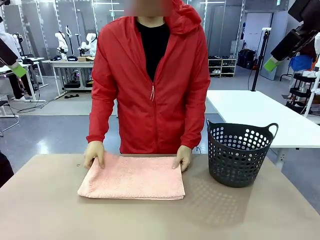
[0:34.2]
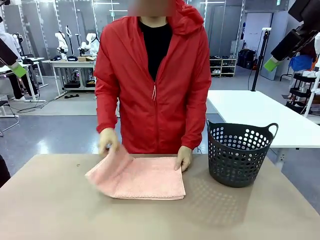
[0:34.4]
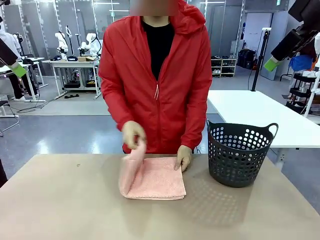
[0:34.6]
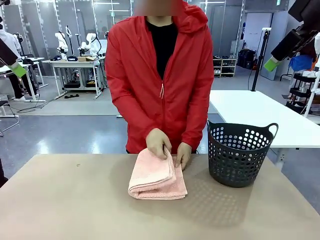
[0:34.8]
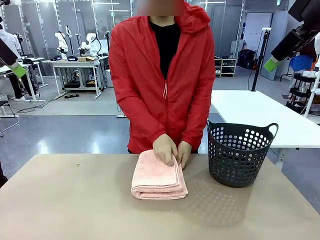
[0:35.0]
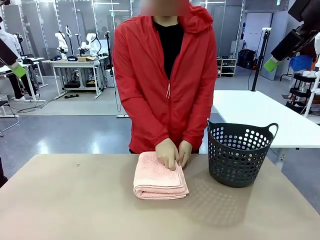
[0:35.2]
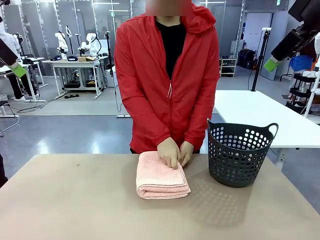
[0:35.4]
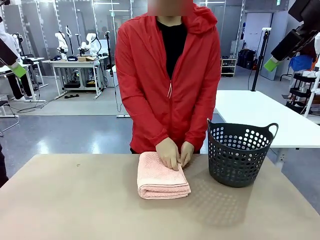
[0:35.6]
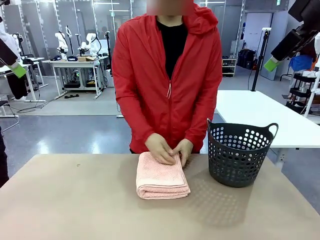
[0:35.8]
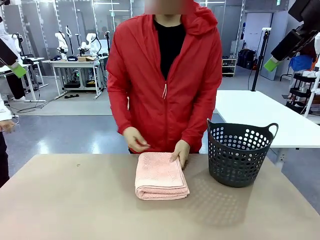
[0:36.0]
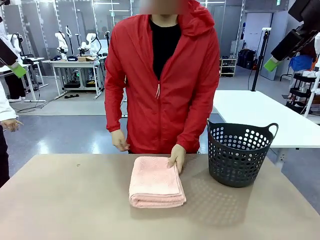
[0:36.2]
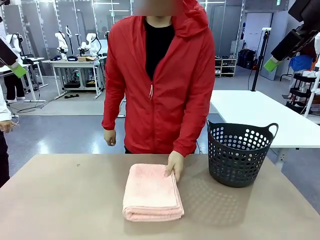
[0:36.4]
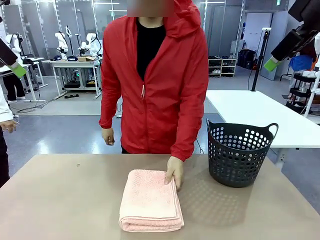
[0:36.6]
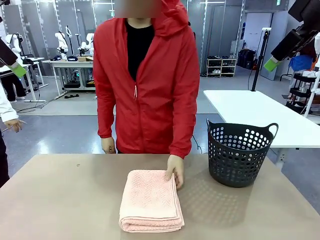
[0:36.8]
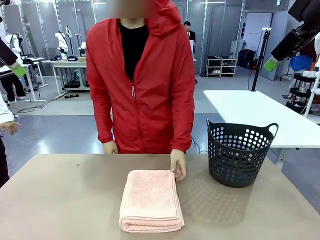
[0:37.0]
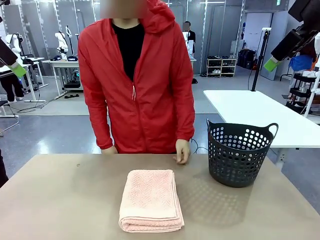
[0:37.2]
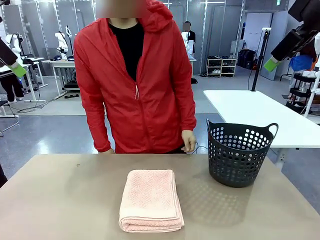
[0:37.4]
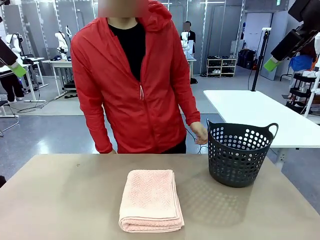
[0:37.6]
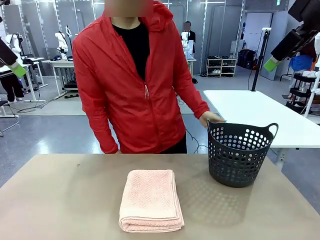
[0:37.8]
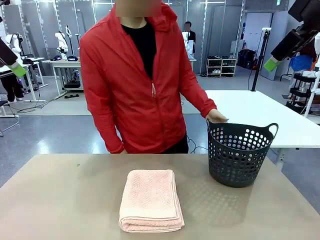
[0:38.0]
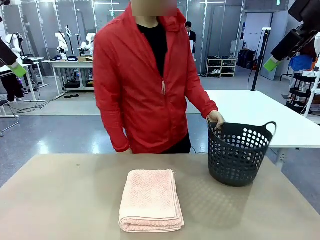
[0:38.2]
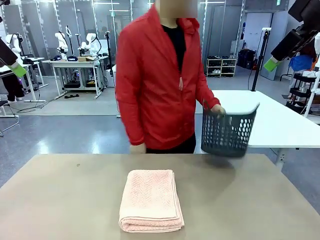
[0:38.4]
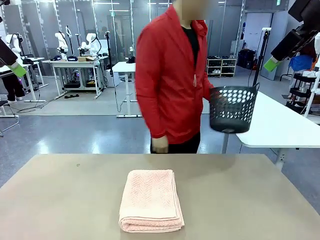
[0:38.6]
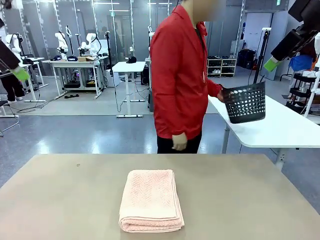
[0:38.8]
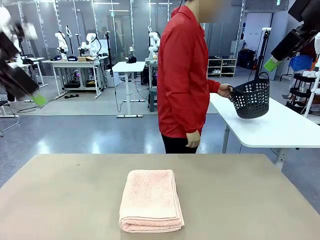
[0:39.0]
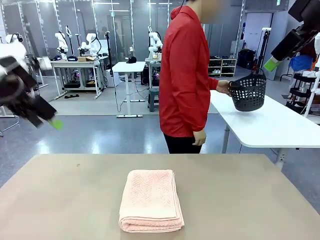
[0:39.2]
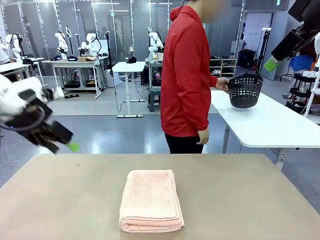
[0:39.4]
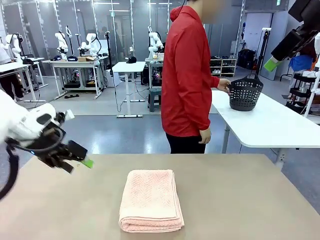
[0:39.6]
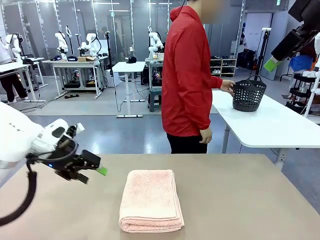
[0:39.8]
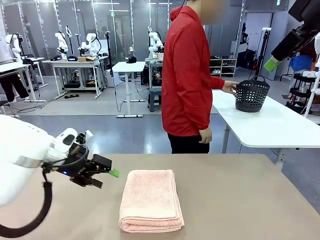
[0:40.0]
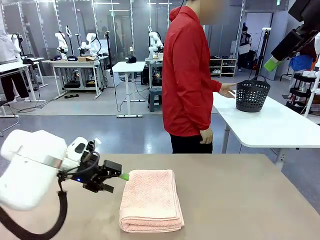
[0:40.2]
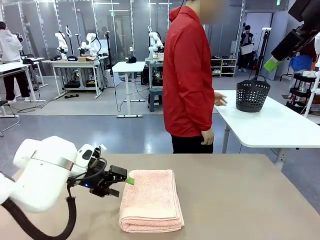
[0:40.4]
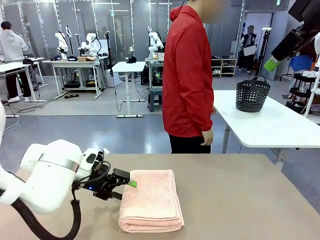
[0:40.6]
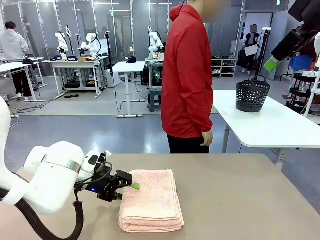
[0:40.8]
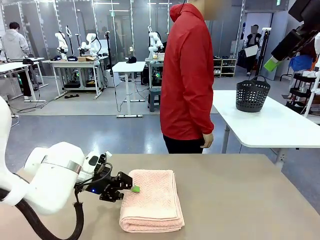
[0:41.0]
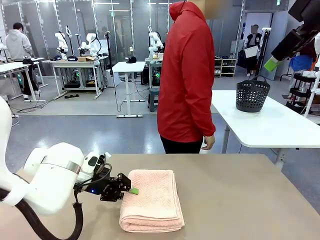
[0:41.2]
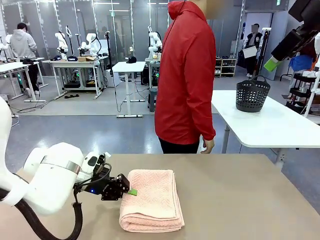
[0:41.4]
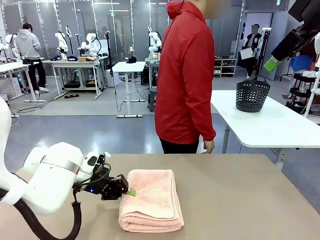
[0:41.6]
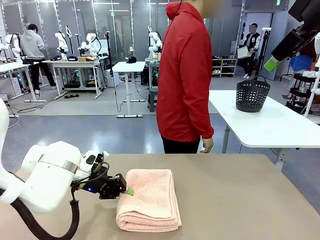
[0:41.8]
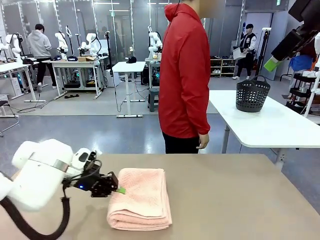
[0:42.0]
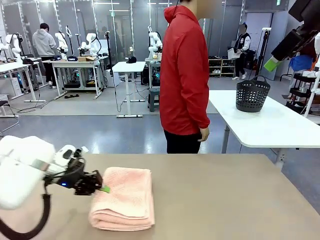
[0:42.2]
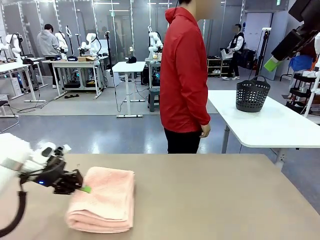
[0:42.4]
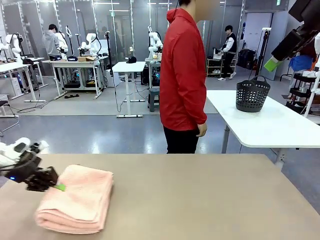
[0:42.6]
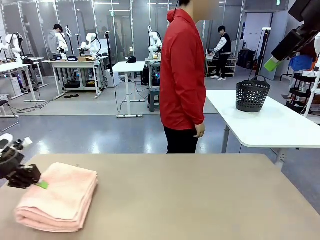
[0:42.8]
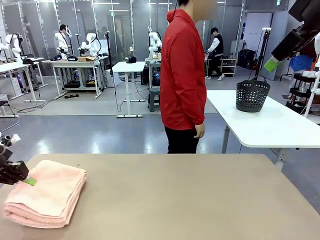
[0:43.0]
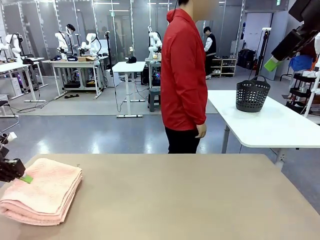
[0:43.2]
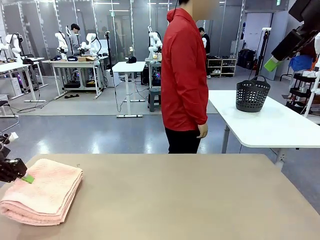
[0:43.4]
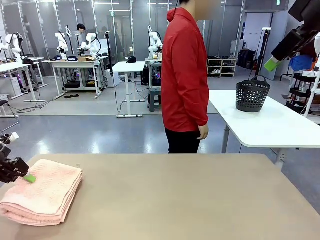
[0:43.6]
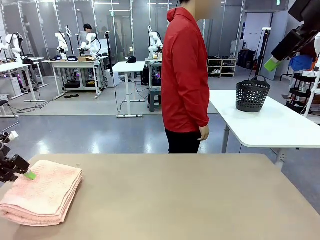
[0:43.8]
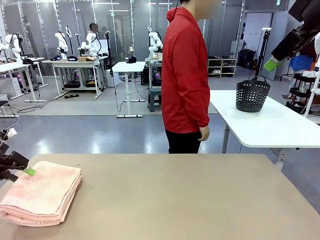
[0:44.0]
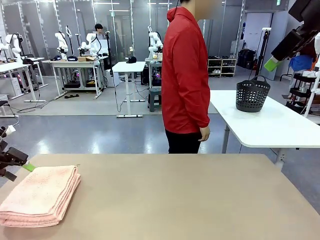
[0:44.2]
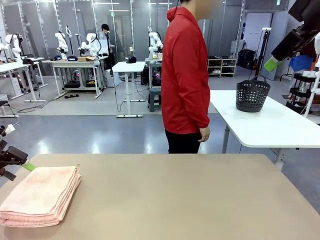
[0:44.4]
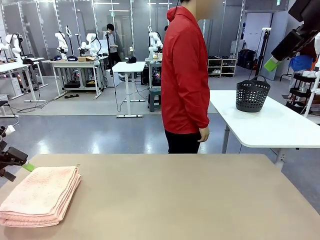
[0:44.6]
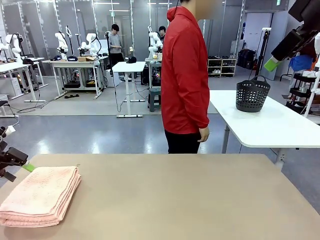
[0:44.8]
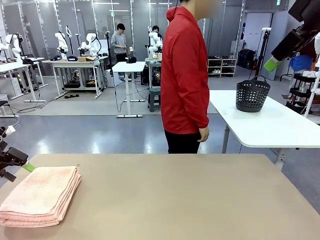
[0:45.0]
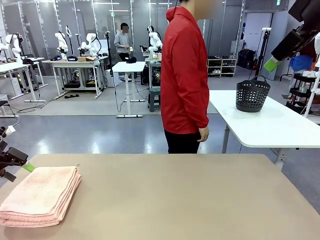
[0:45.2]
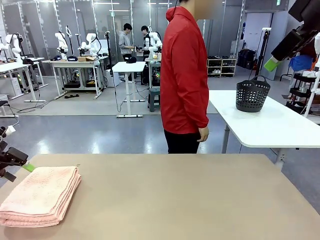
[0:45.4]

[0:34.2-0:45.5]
Task: Fold the towel.
Robot: Pick up the 100 cm Hotel Towel and place it on the left side of the table.
Person: Pick up the laundry basket and place it at the center of the human table.

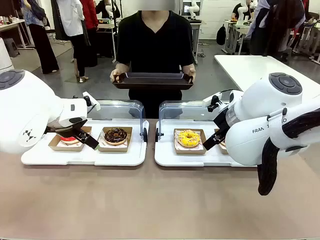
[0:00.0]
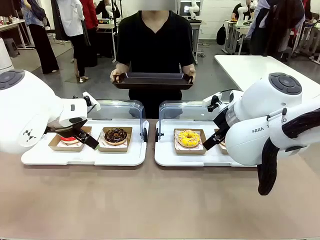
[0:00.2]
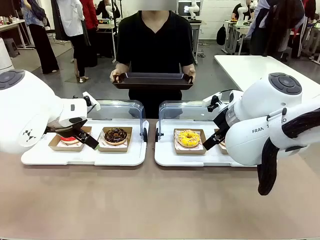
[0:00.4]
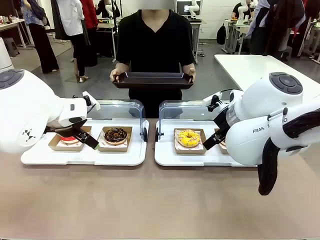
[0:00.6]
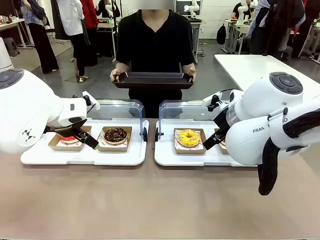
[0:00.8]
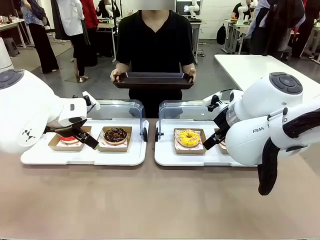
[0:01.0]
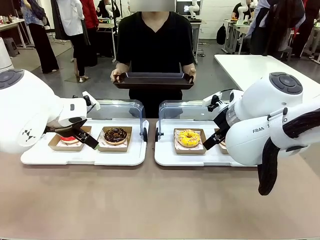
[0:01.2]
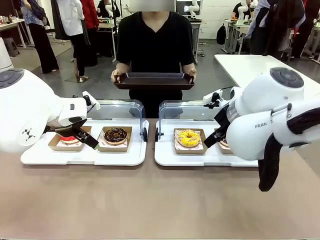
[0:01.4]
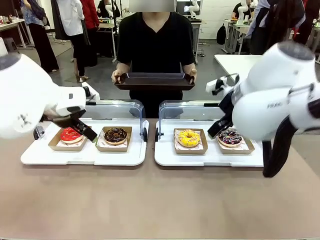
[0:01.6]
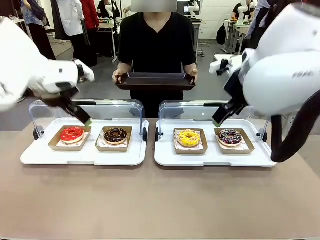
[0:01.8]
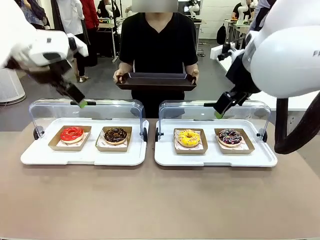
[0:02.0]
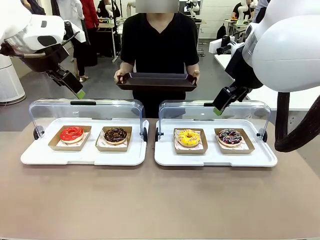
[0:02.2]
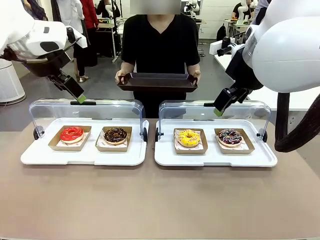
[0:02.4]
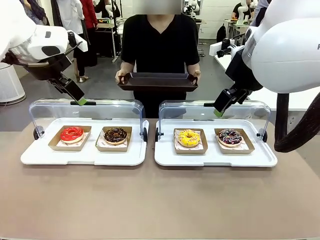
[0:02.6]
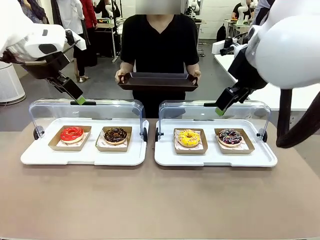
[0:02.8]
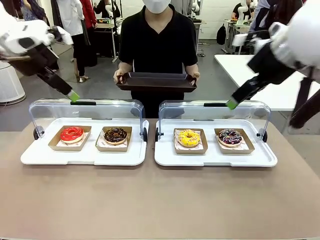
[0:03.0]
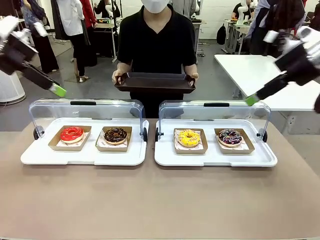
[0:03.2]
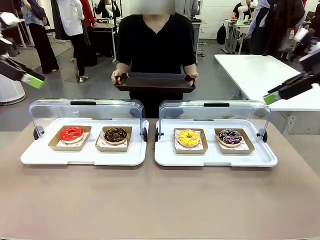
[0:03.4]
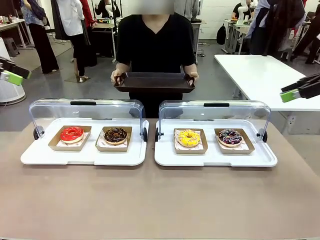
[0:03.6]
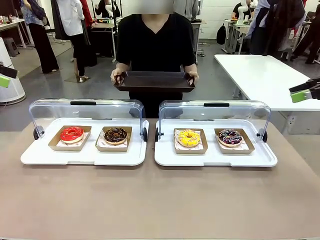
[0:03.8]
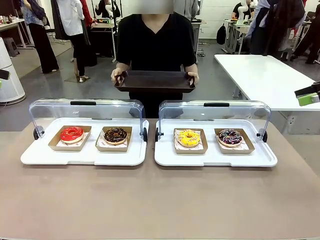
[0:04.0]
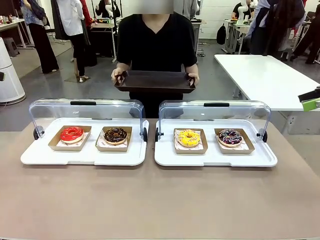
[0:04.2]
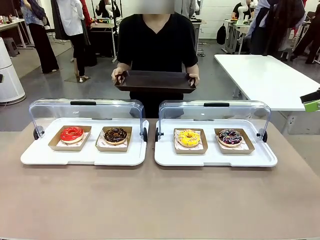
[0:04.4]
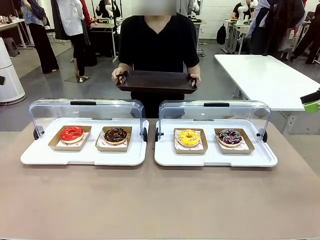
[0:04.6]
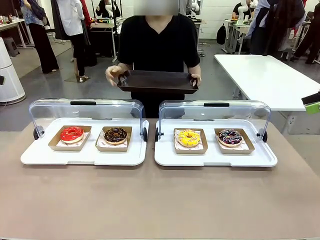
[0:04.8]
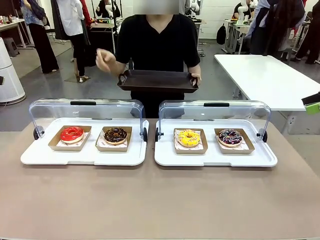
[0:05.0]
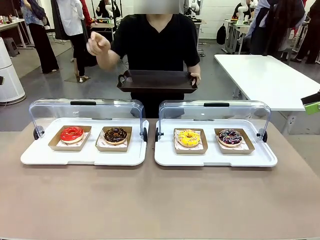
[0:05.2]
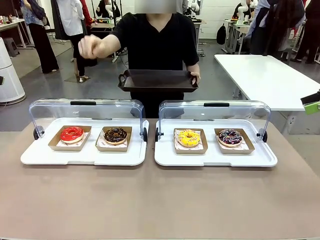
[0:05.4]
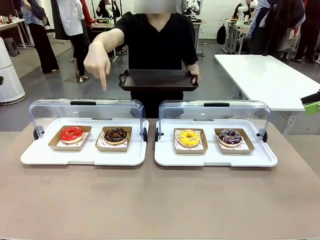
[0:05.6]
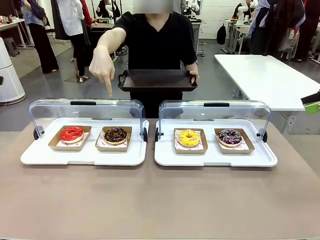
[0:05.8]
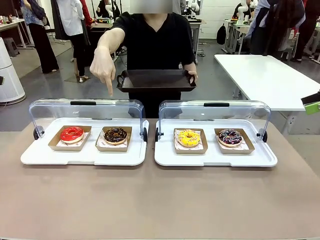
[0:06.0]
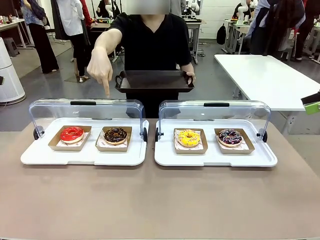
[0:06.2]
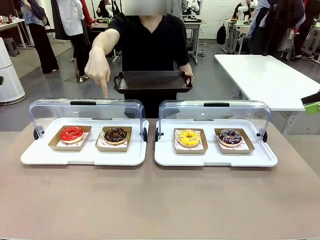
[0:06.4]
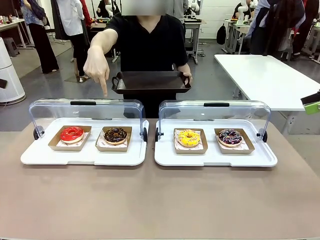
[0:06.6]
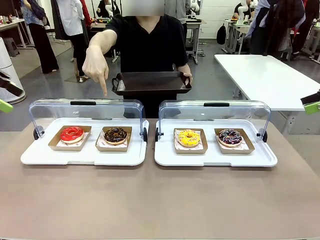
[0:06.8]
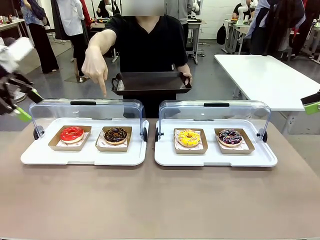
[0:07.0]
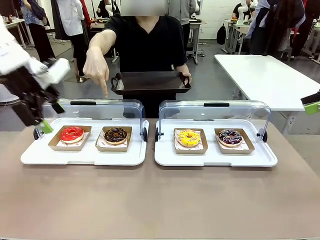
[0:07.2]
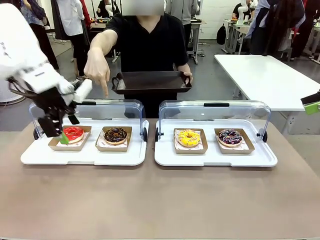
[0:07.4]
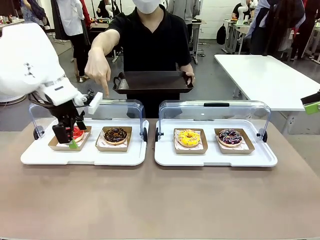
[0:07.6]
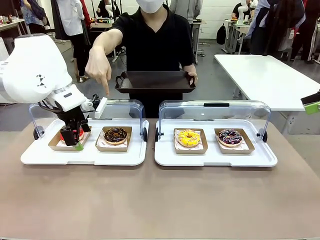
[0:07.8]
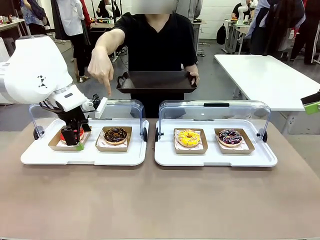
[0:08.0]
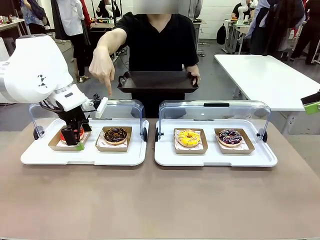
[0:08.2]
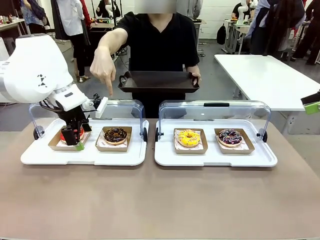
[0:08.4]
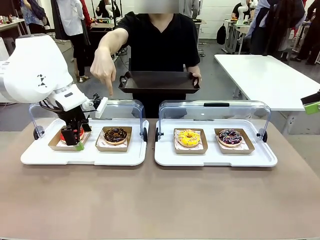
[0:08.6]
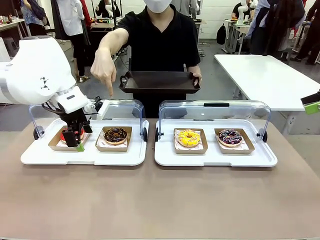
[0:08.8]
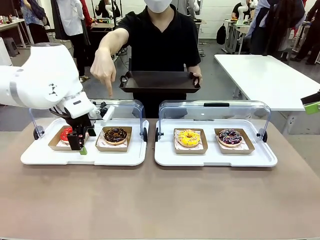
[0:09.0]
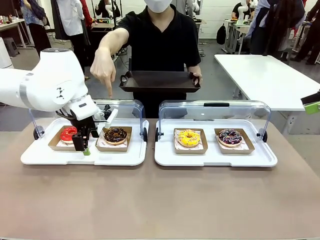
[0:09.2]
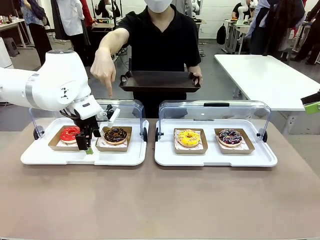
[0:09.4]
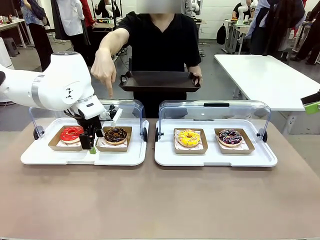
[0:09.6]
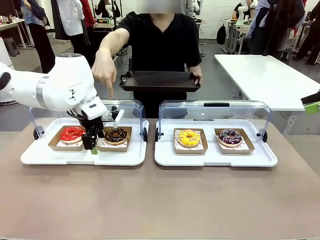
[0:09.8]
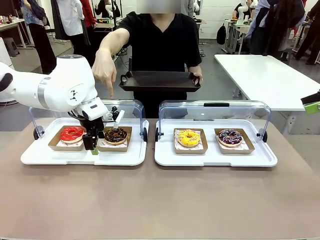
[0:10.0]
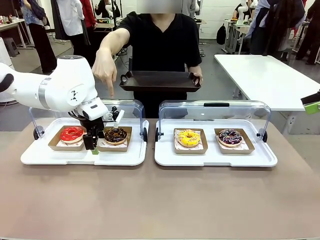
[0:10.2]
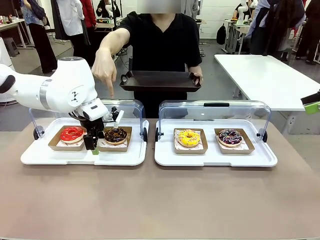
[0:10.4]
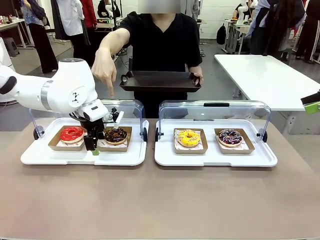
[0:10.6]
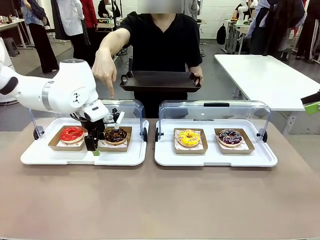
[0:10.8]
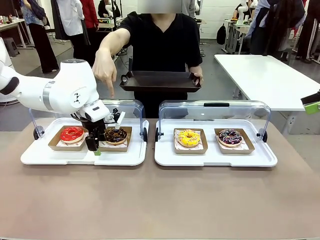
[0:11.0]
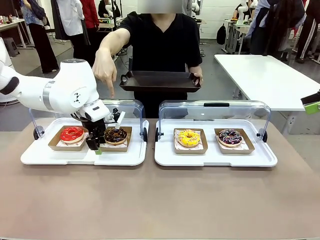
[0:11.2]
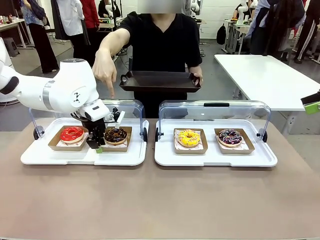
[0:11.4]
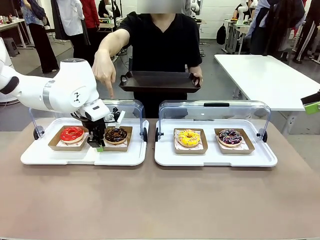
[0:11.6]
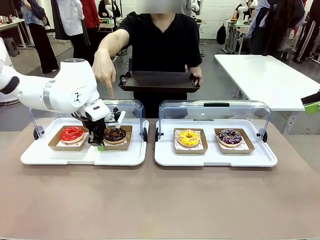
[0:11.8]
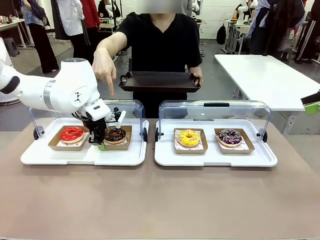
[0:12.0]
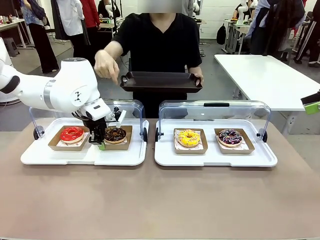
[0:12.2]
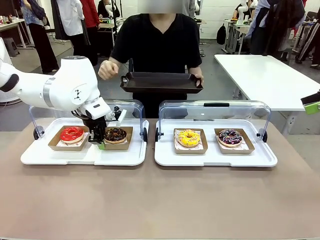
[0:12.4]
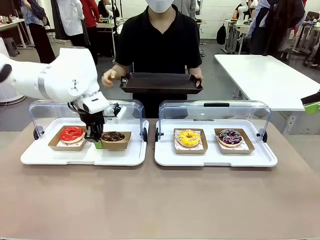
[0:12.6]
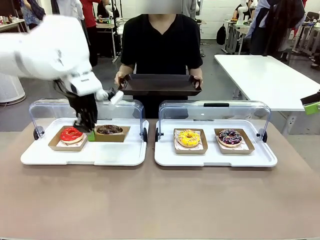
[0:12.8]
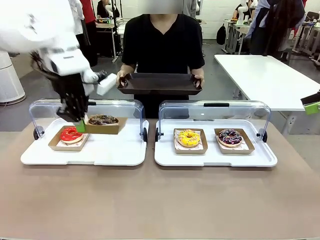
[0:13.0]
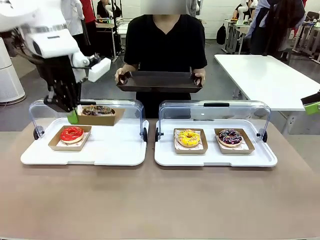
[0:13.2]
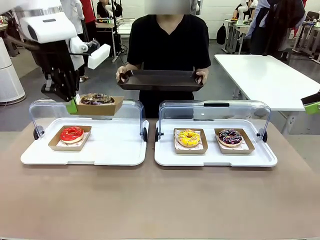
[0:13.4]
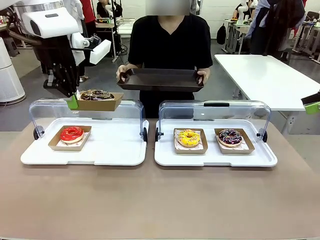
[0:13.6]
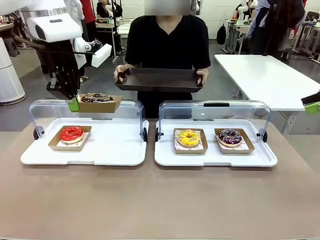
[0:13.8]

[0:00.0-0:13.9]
Task: Provide the desired donut to the person.
Robot: Pick up and lift the Paper togo box containing the Donut pointed at by the person.
Person: Point to one donut. Lift the tray onto the Roll-Top Bakery Case.
